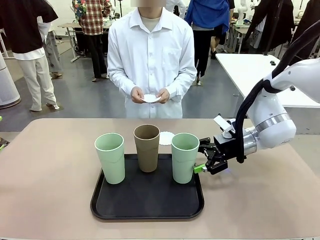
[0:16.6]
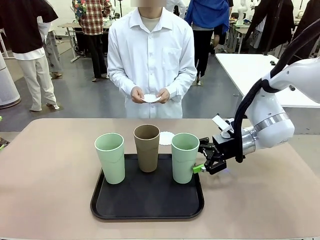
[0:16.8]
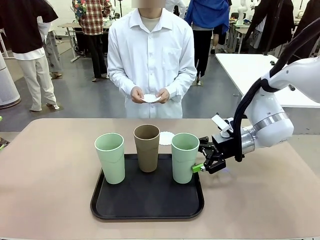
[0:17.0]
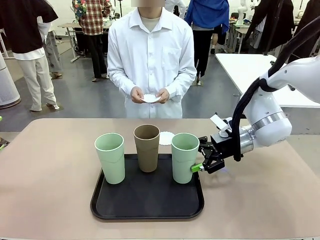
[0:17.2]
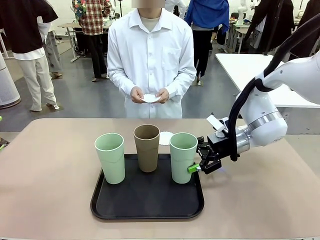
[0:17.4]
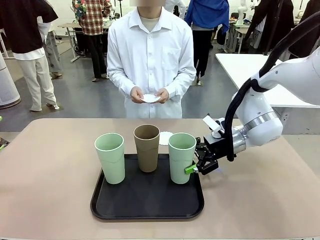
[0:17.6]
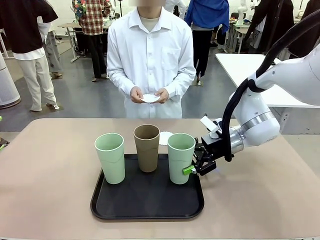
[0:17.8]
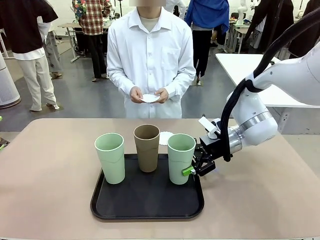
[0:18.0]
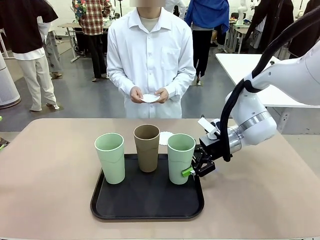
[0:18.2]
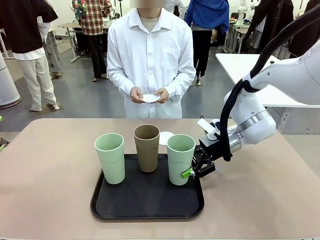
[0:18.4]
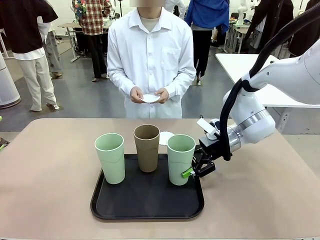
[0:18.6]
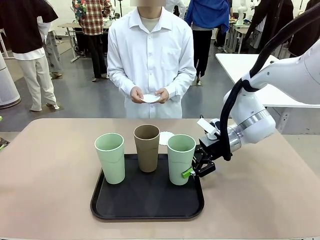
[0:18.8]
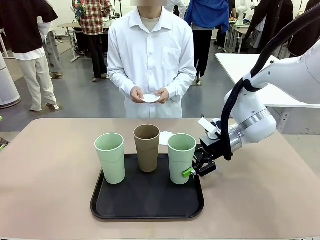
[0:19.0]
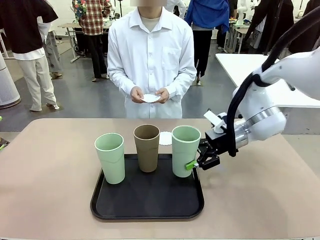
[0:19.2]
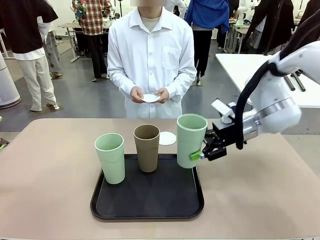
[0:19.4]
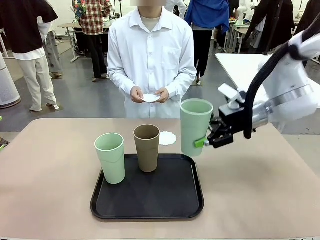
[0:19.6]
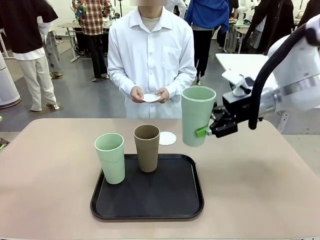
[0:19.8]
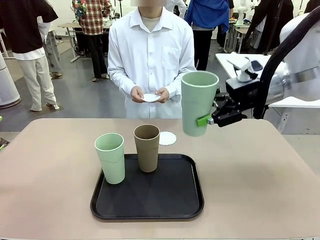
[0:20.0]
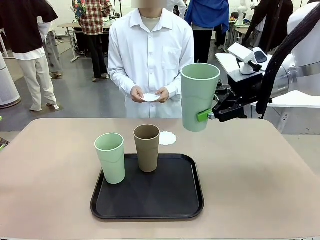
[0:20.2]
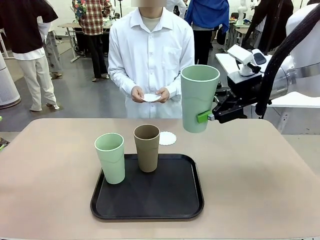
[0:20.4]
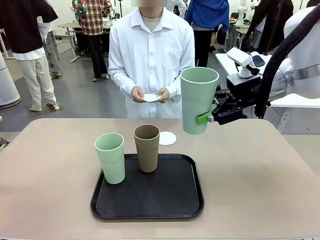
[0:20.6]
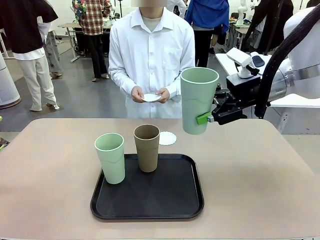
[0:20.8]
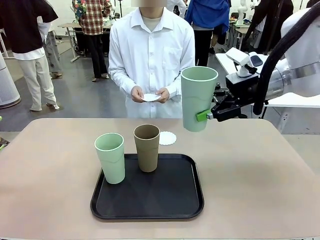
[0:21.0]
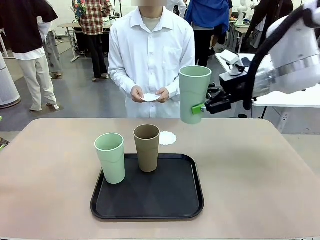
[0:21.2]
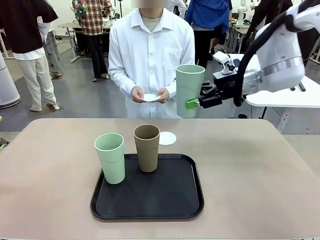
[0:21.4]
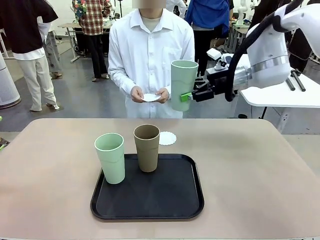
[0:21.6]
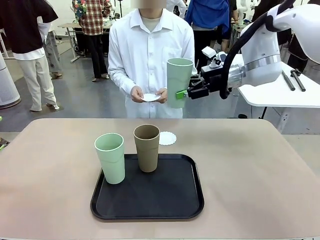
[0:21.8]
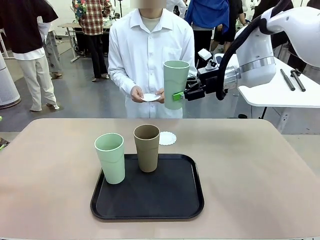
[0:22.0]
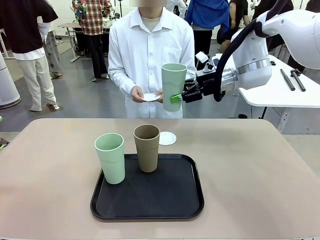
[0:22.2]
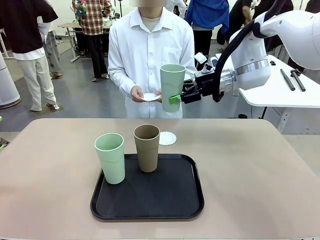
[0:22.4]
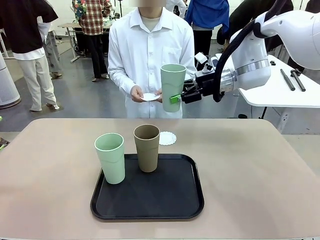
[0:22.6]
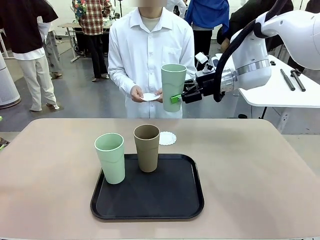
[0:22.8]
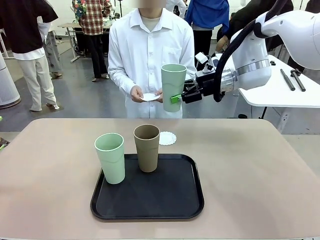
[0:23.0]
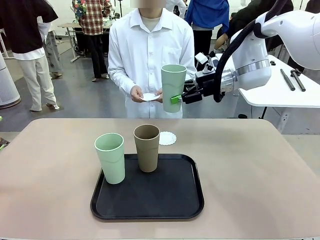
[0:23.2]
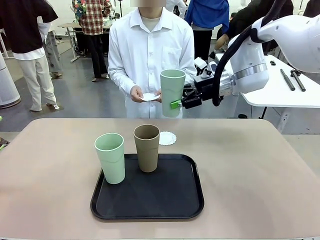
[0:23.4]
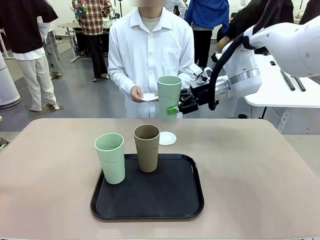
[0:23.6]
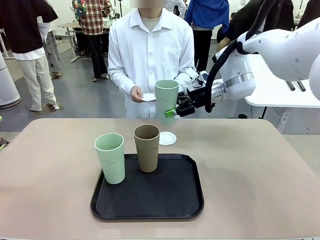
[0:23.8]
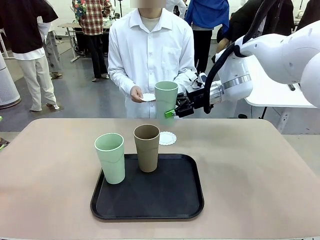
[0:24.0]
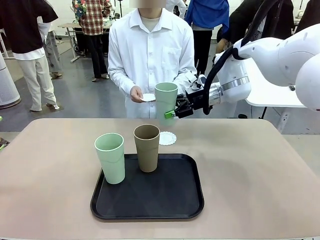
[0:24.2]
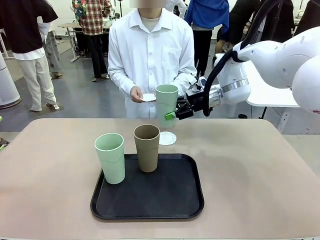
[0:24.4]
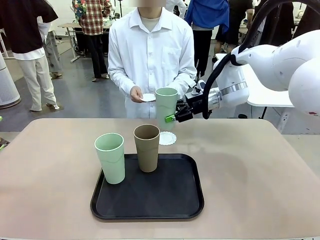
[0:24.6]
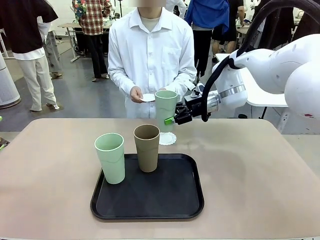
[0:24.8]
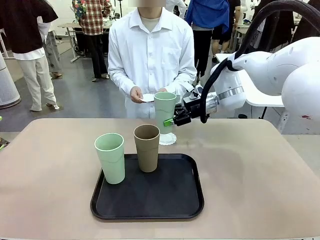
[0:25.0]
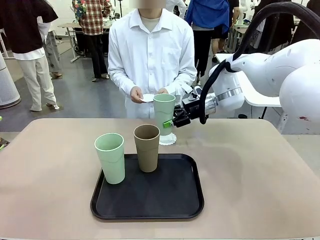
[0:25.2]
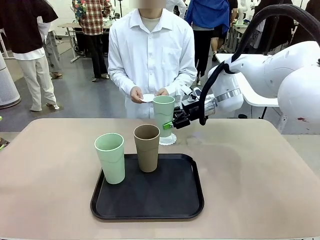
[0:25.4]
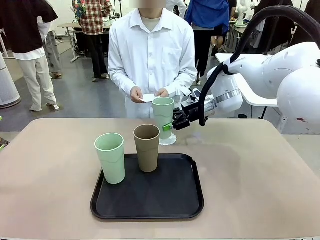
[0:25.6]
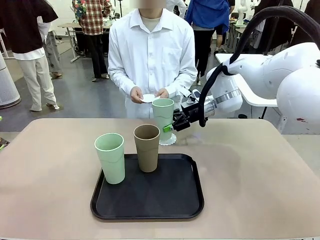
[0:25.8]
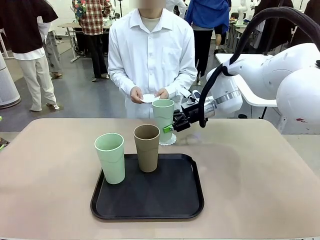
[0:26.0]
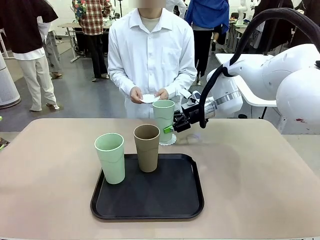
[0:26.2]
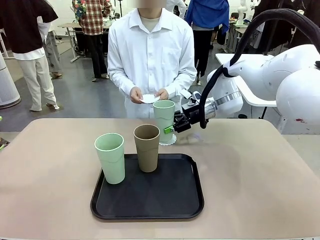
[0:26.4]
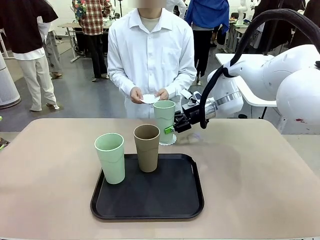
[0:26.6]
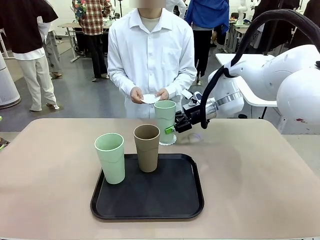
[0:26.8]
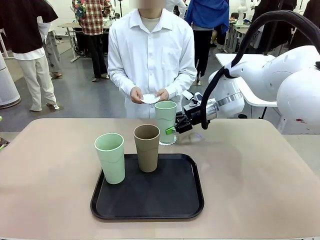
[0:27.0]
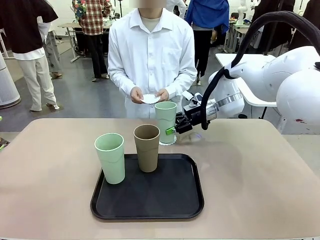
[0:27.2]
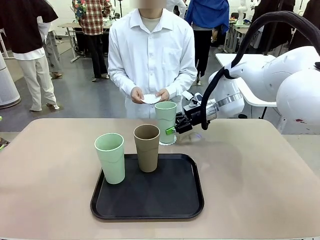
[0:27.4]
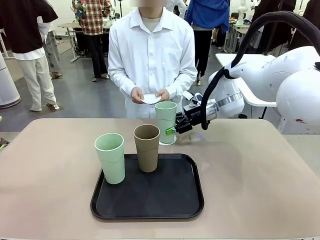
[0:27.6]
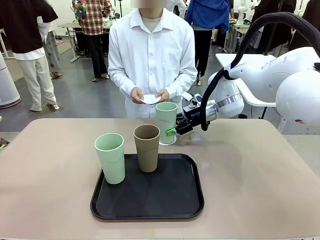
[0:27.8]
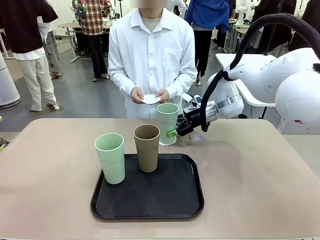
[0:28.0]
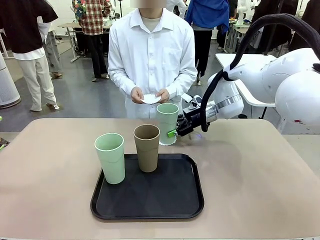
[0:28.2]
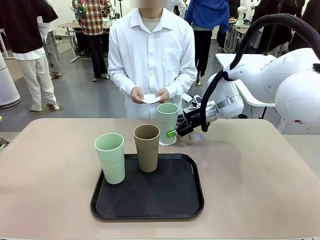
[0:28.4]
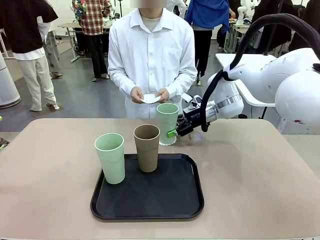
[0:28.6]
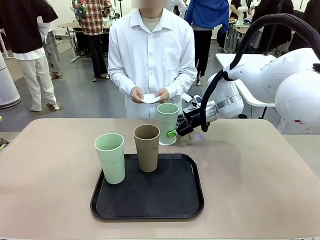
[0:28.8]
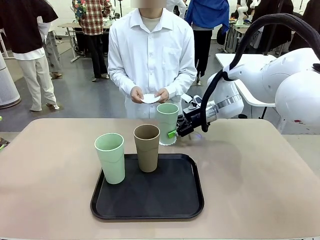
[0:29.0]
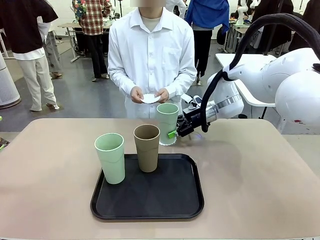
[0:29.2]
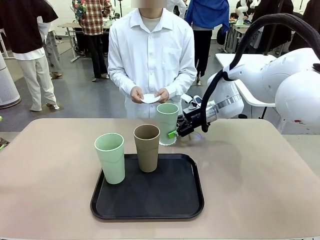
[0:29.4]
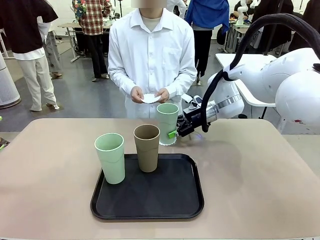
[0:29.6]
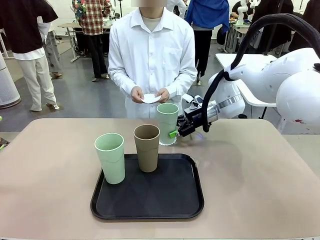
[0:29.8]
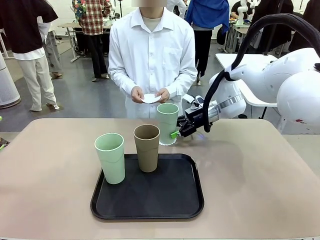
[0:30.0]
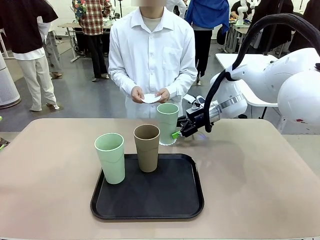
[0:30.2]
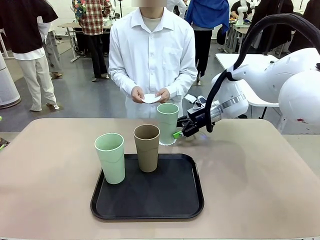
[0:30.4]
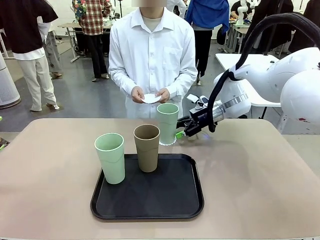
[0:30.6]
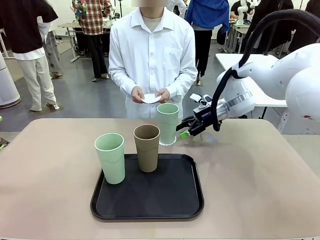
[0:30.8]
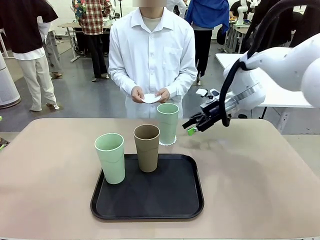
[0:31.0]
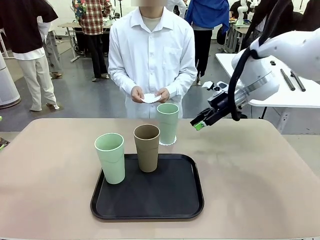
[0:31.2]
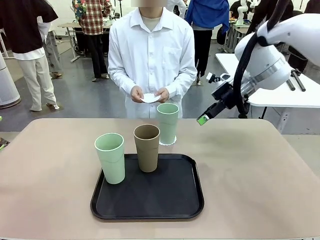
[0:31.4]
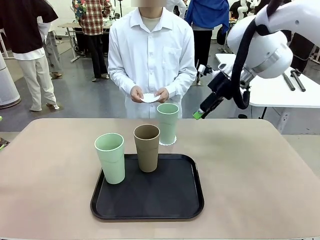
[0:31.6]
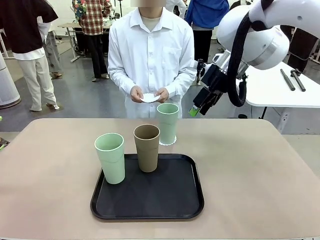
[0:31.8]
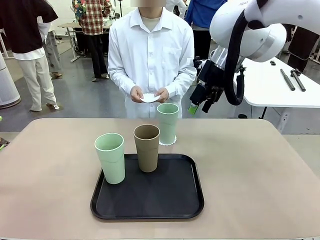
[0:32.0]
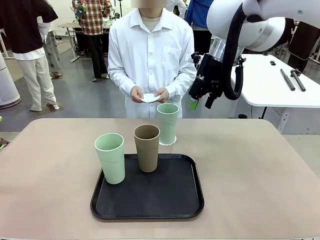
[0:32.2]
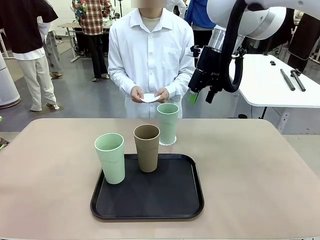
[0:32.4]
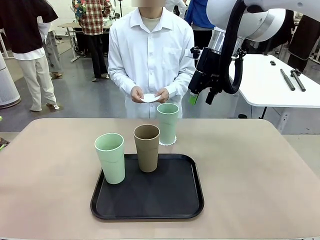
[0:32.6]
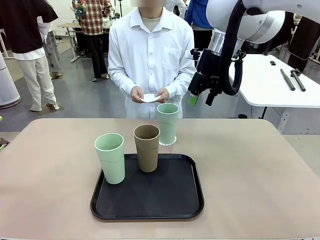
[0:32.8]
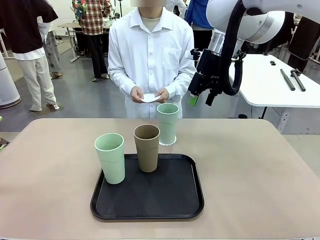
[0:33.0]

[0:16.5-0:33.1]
Task: Place coasters on the table and set cups on them.
Robot: Pick up one Reusable plastic cup and place it on a coaster set by the human.
Person: Place one coaster in one of the two areas excluding the previously selected area.
